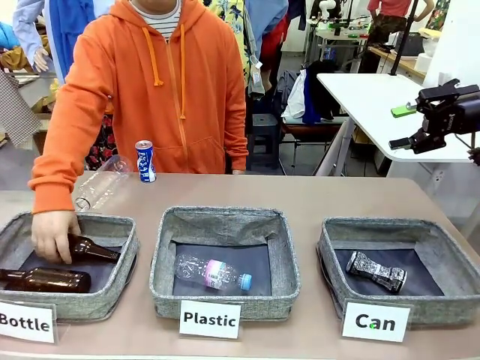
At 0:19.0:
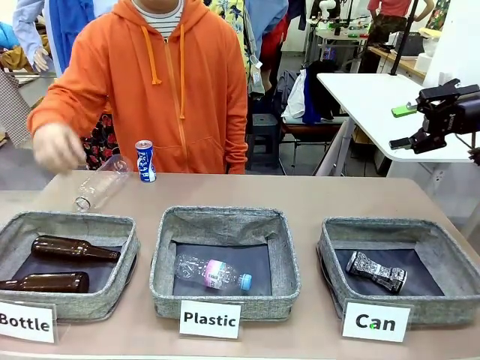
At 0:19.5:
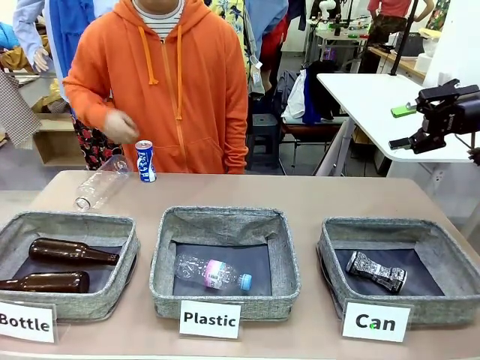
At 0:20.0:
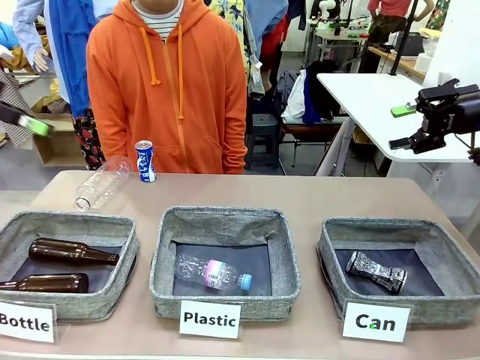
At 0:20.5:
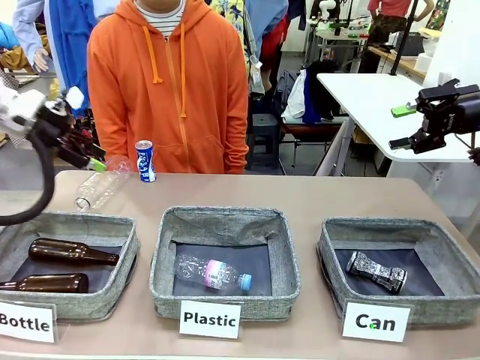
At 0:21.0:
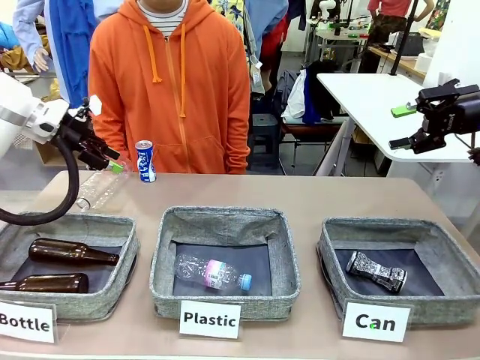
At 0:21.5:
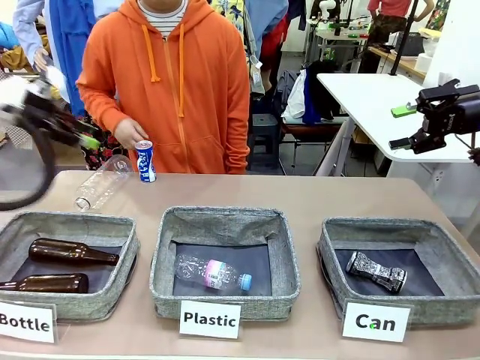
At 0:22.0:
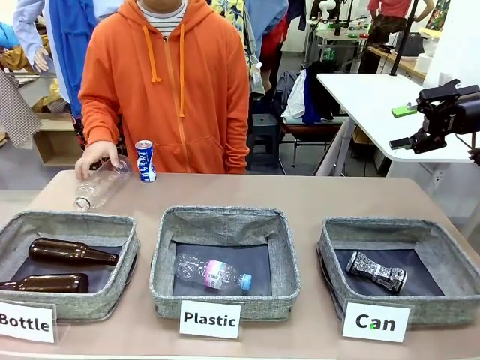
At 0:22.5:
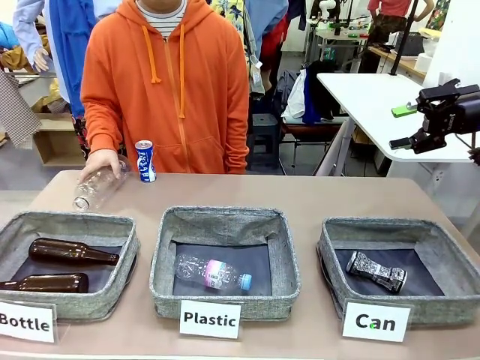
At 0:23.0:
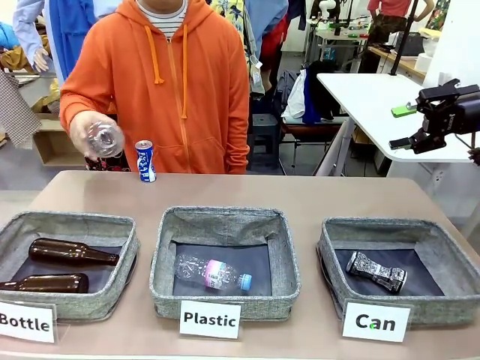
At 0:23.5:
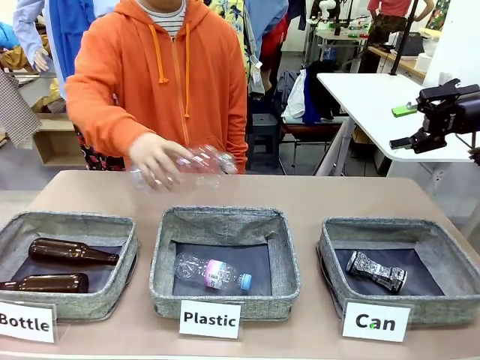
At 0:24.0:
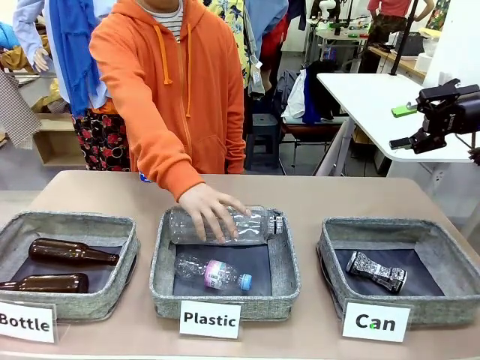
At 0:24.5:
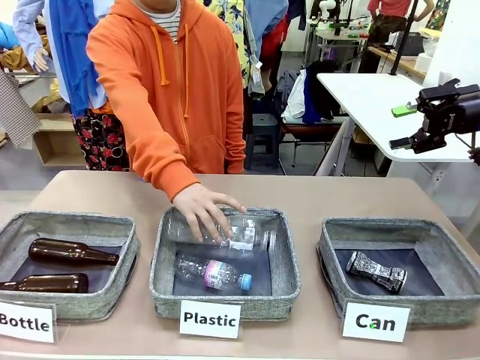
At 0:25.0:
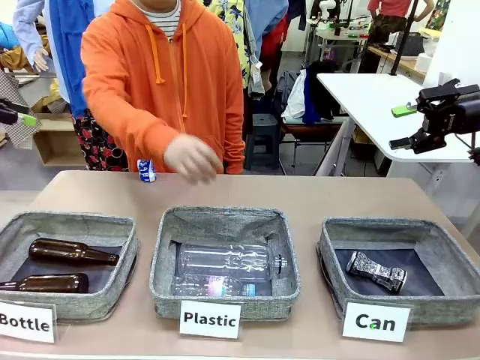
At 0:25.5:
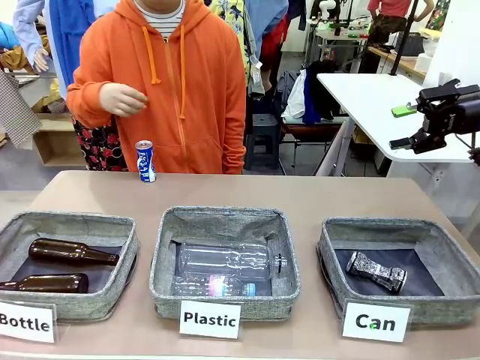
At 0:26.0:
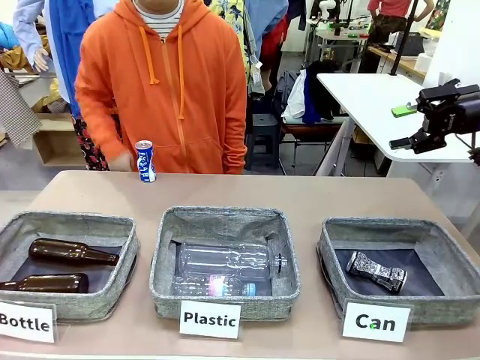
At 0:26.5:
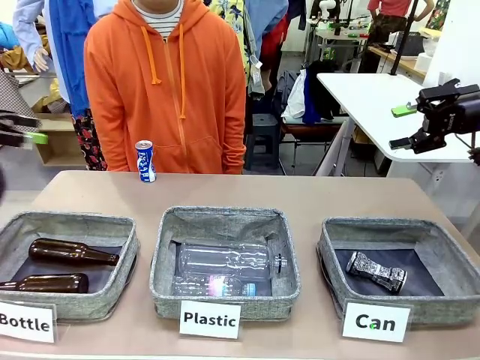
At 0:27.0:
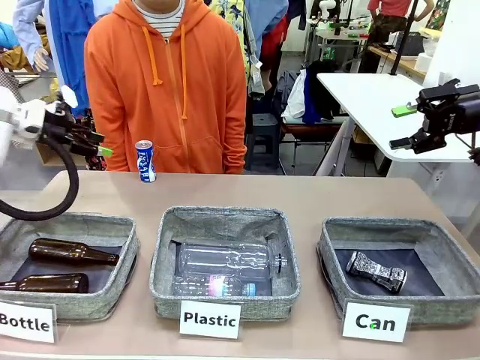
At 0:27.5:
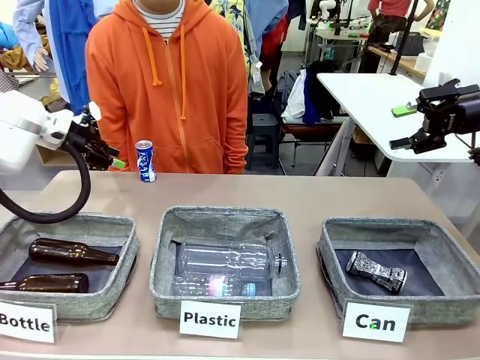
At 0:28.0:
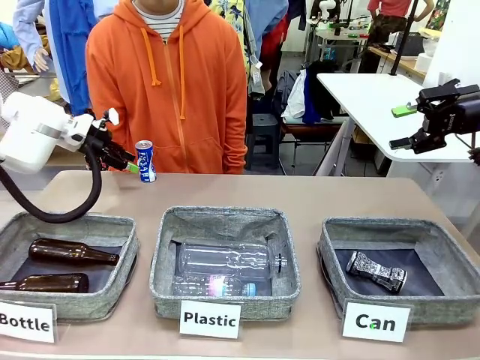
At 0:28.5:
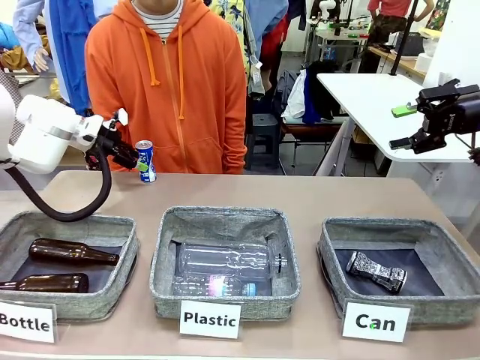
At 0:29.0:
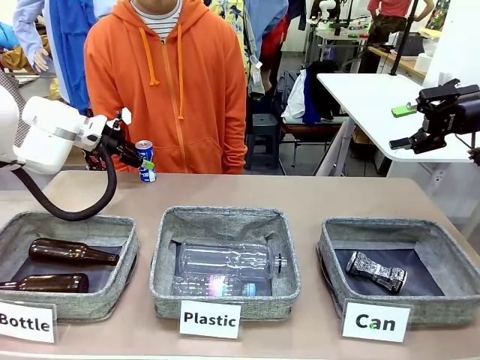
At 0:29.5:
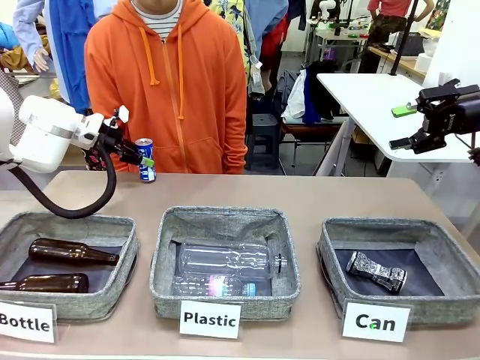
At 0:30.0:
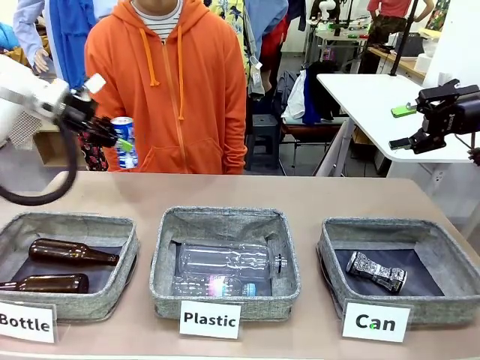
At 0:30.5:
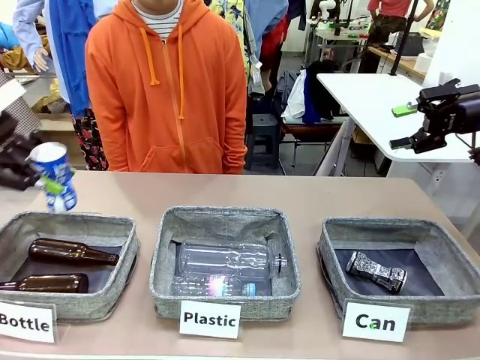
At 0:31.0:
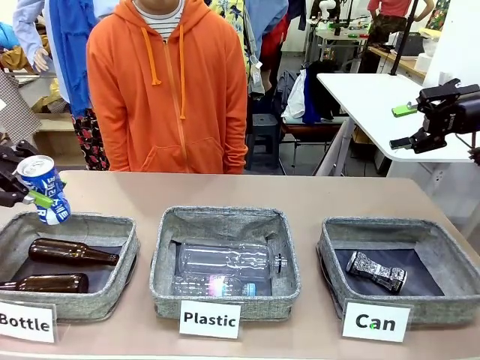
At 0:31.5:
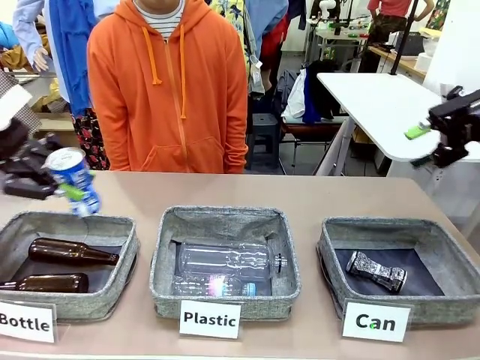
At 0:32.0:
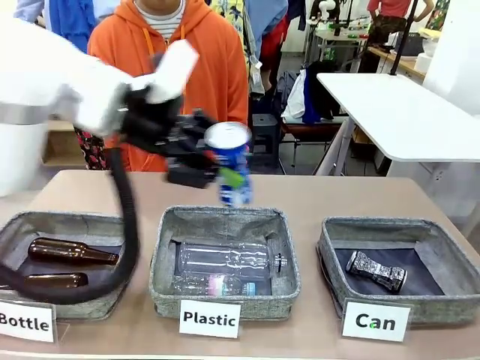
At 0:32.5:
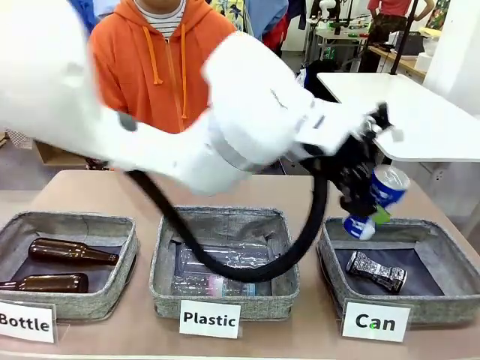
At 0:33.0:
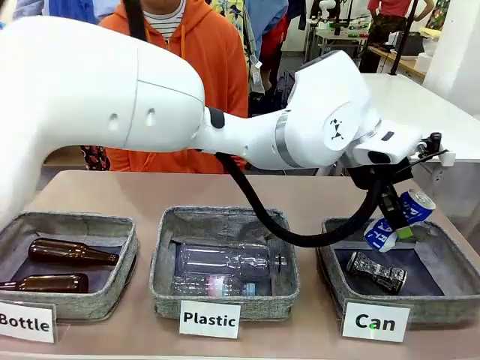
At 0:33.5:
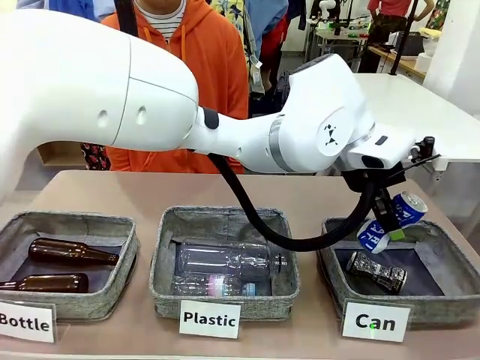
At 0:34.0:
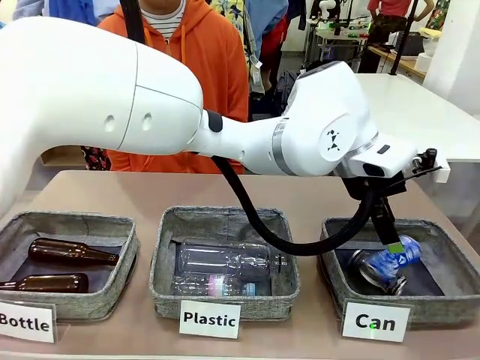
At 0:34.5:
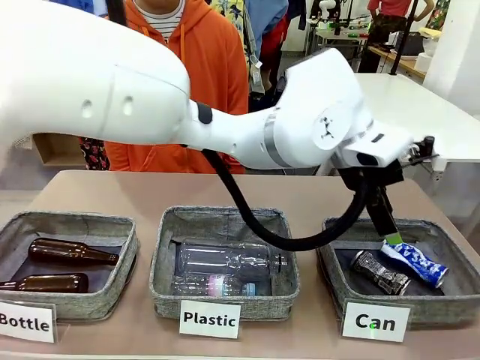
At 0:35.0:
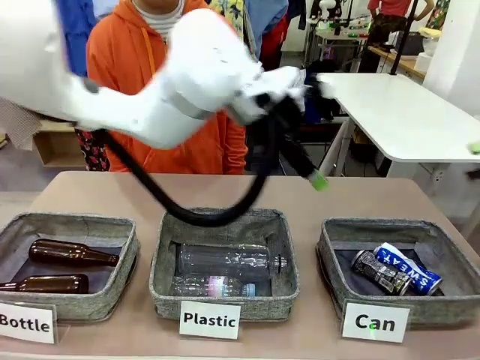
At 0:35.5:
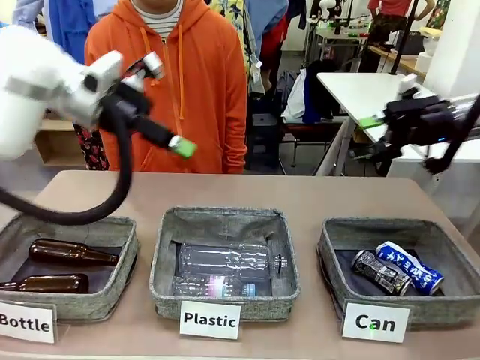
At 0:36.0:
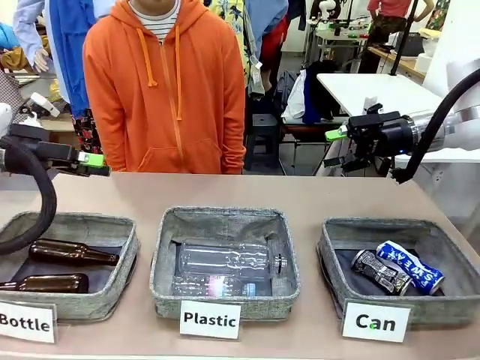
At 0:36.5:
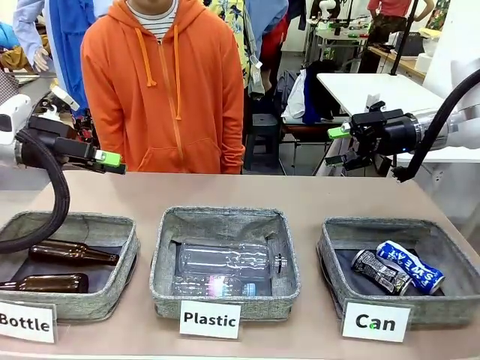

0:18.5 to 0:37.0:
Task: Sort the can waste into the basket.
Robot: Pick up the can waste from the table and place it in the right Fabric basket.
